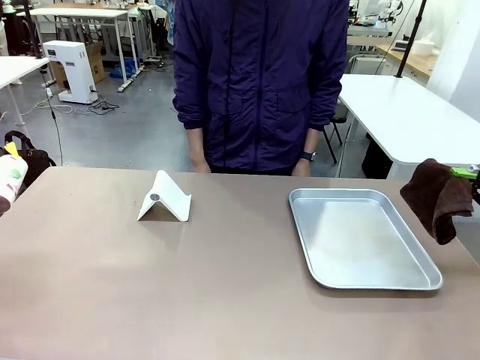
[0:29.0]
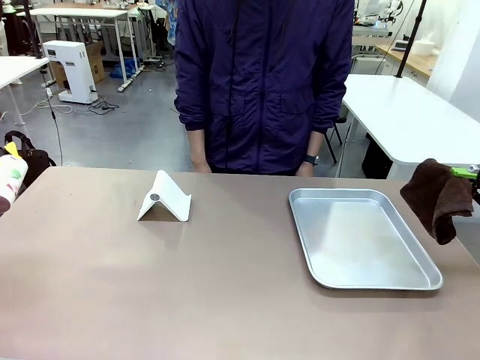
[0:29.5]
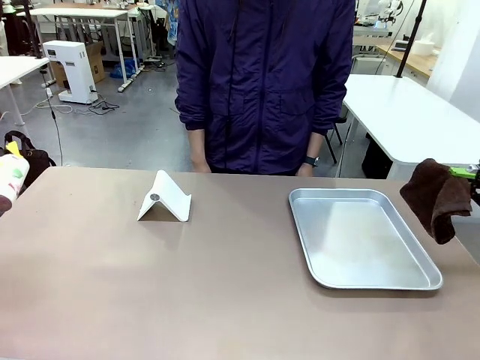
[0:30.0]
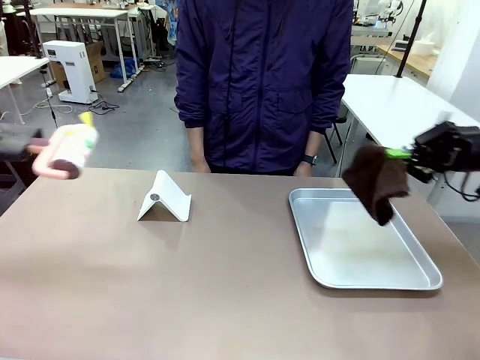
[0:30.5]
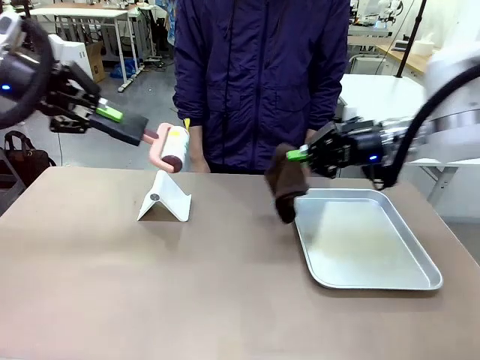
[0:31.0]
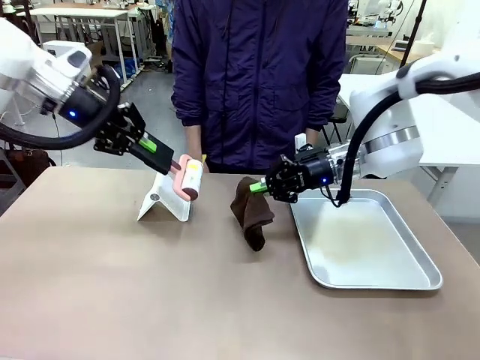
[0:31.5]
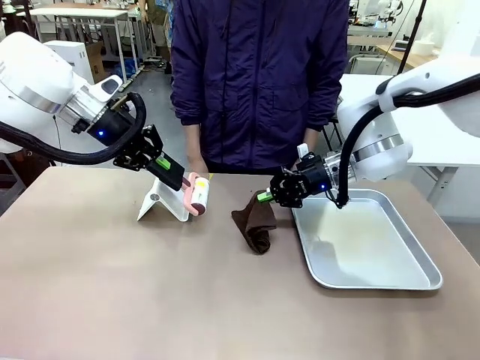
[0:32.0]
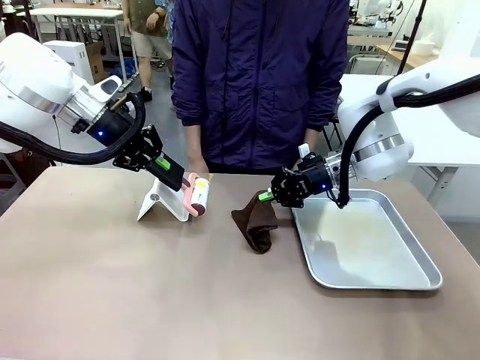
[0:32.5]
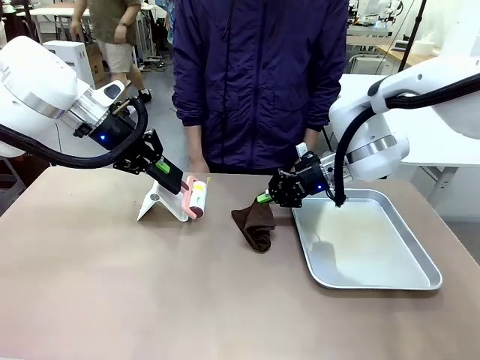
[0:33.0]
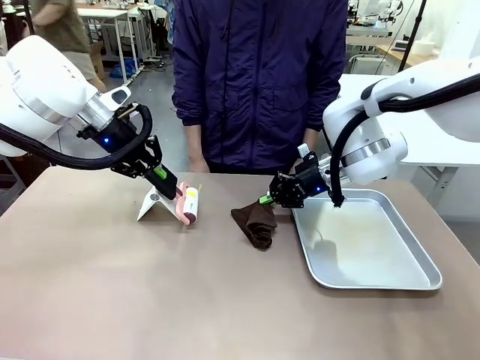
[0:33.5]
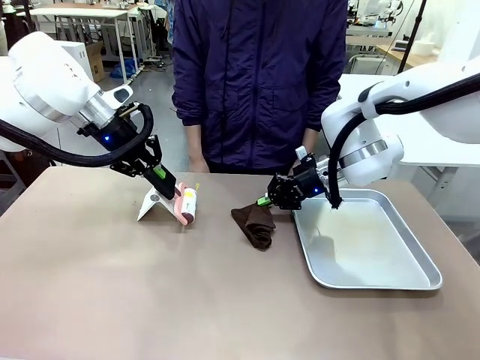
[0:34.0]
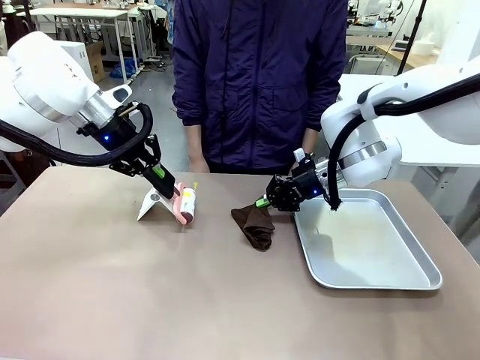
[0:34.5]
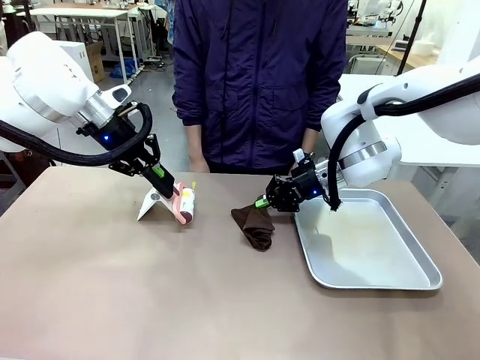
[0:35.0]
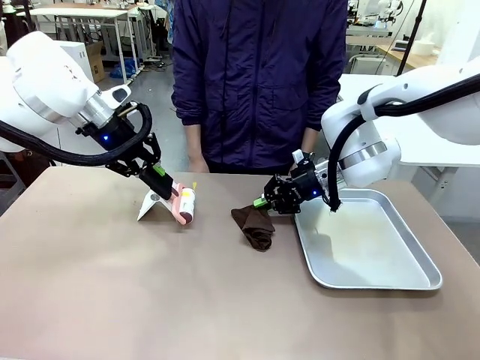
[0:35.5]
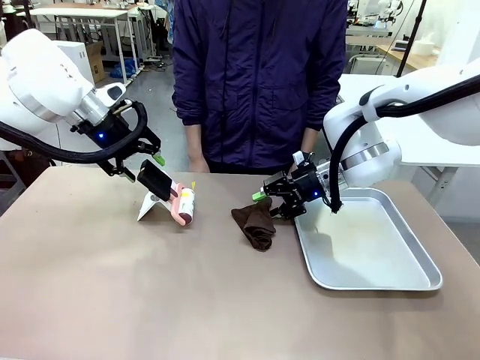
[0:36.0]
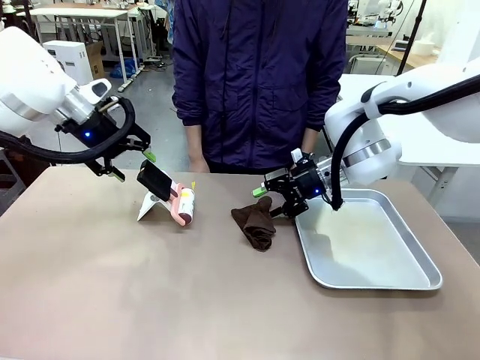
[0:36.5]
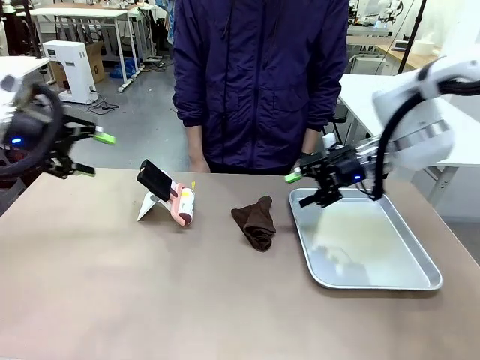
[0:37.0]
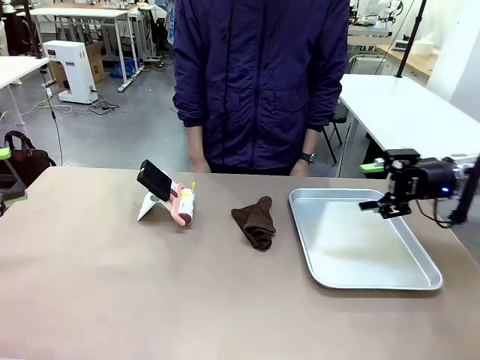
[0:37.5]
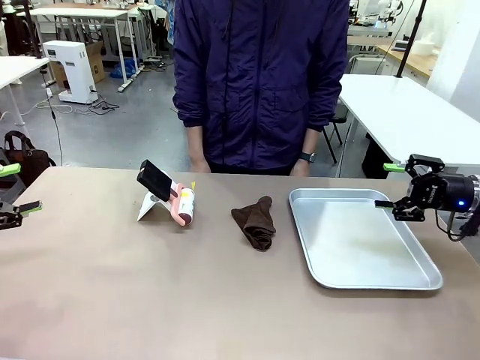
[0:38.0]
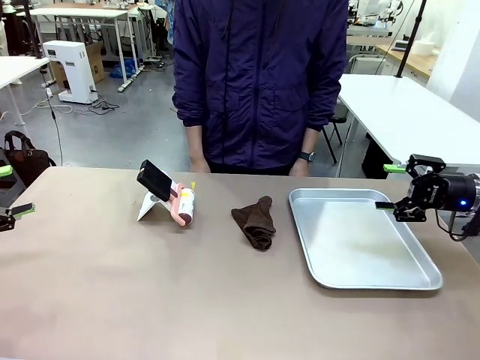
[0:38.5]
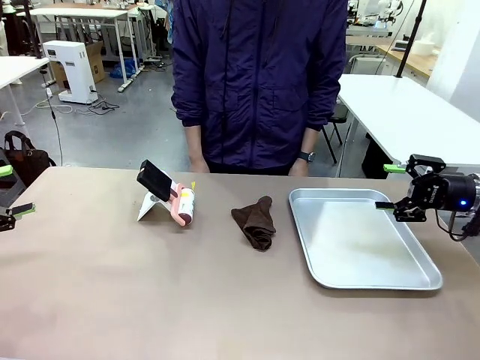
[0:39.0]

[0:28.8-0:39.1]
Task: Clean the surface of the table.
Robot: Return the Lint Roller and towel to their original positions.

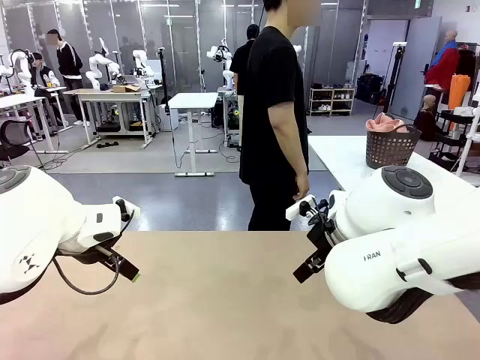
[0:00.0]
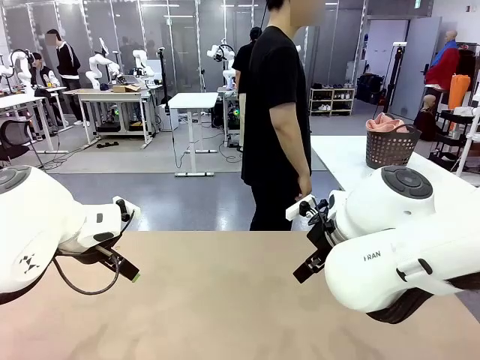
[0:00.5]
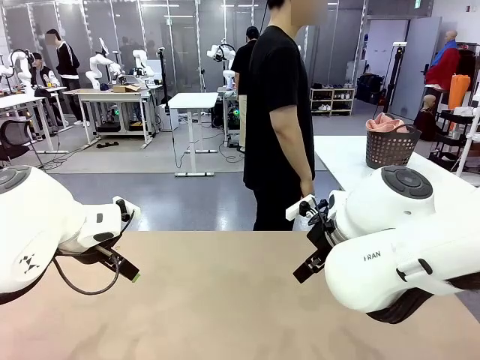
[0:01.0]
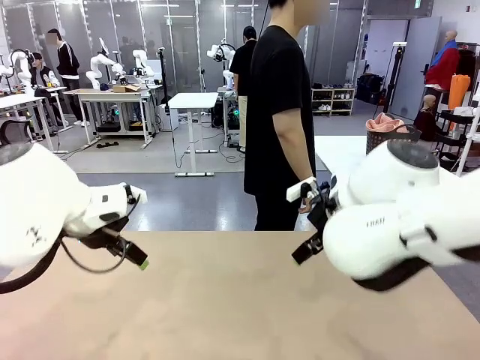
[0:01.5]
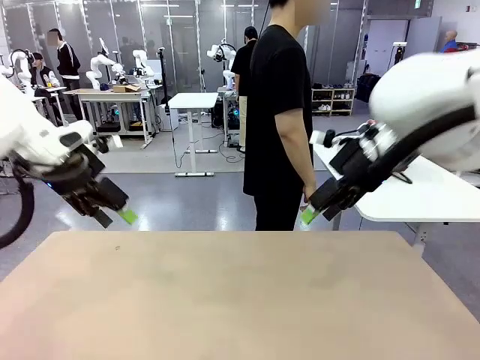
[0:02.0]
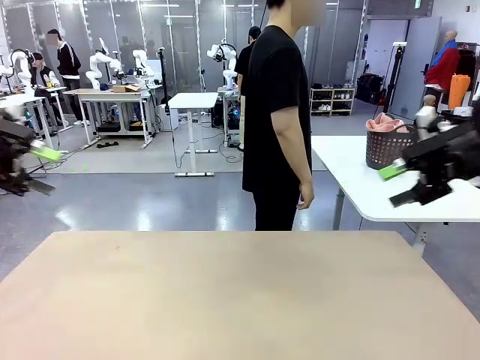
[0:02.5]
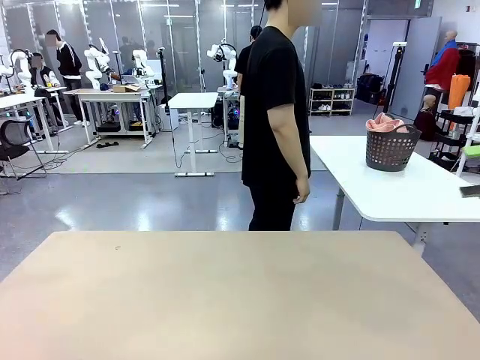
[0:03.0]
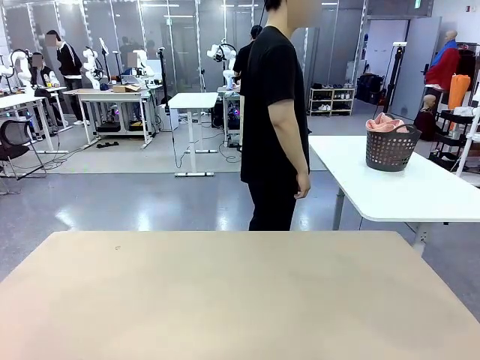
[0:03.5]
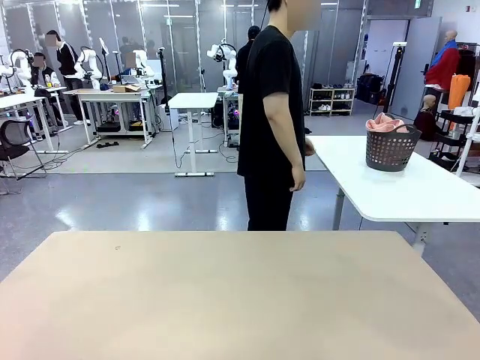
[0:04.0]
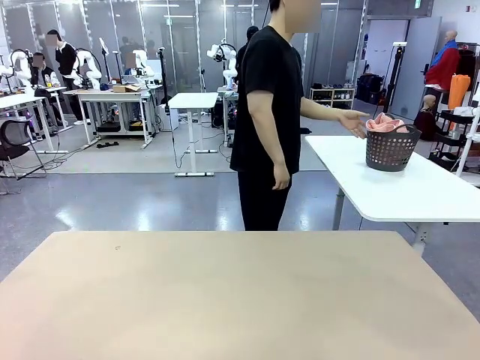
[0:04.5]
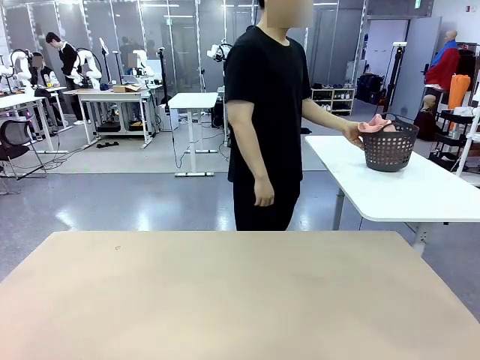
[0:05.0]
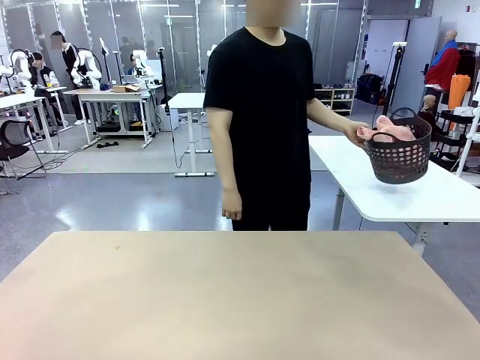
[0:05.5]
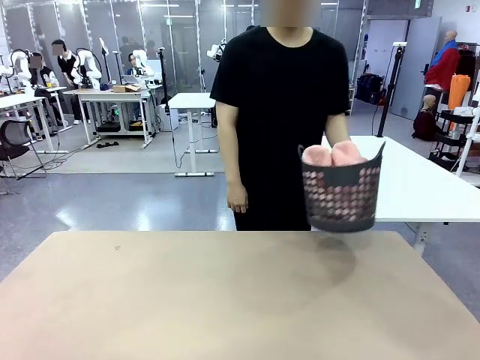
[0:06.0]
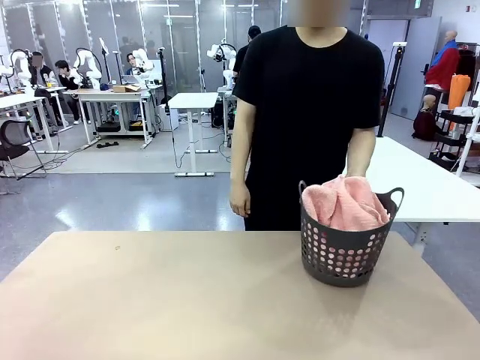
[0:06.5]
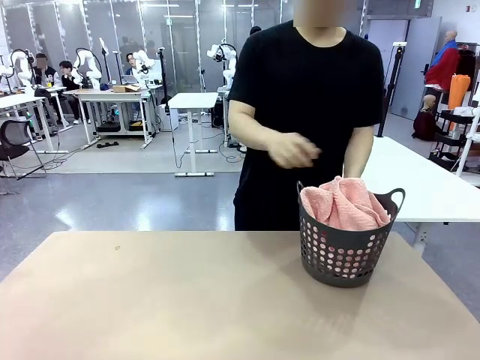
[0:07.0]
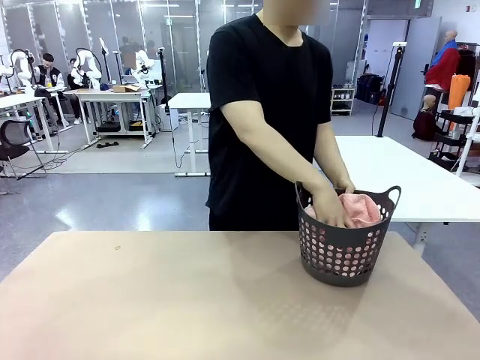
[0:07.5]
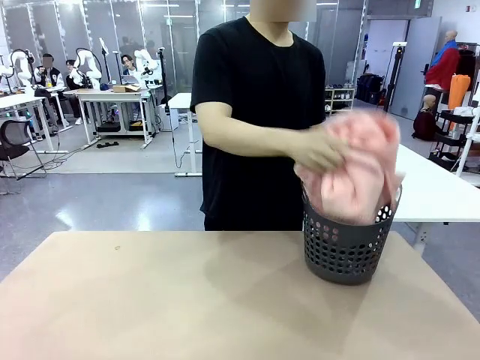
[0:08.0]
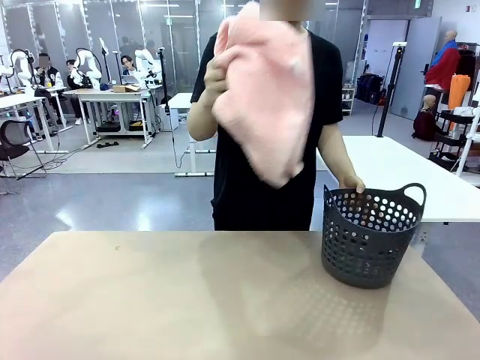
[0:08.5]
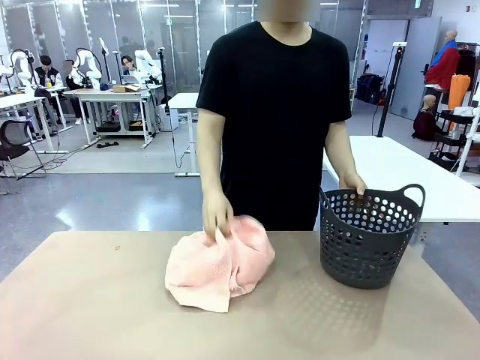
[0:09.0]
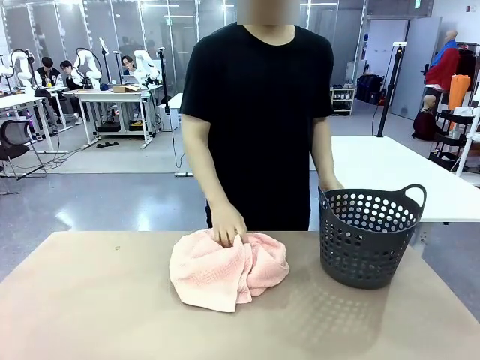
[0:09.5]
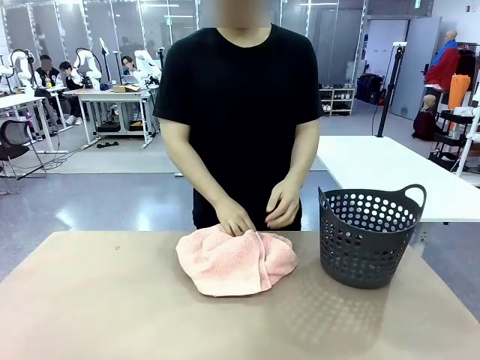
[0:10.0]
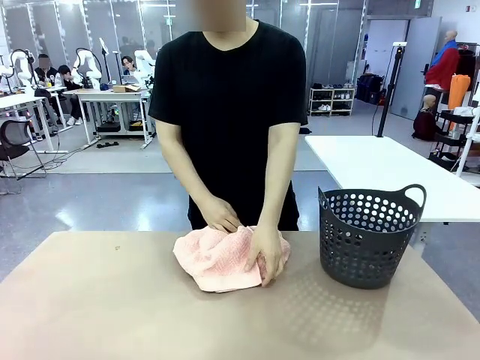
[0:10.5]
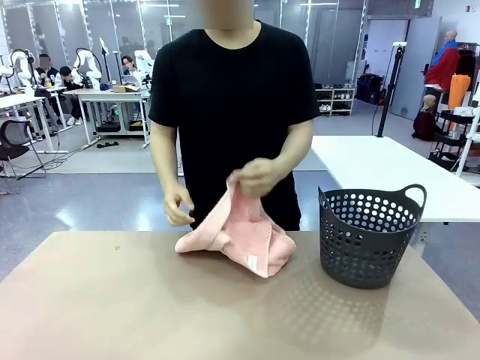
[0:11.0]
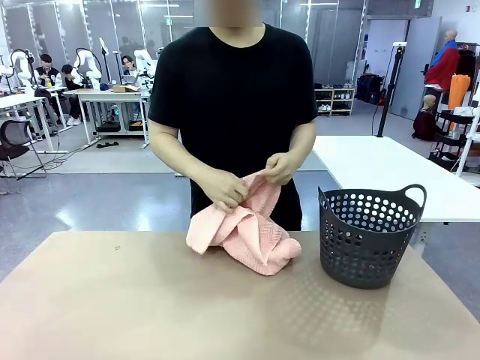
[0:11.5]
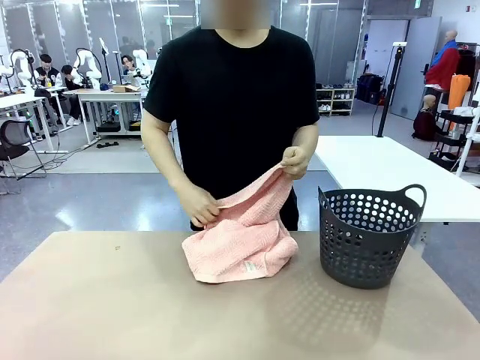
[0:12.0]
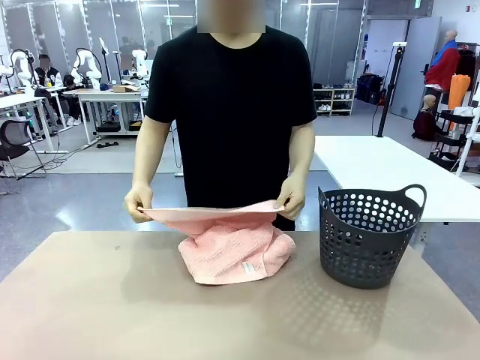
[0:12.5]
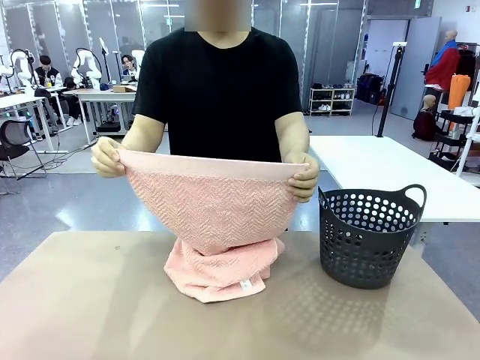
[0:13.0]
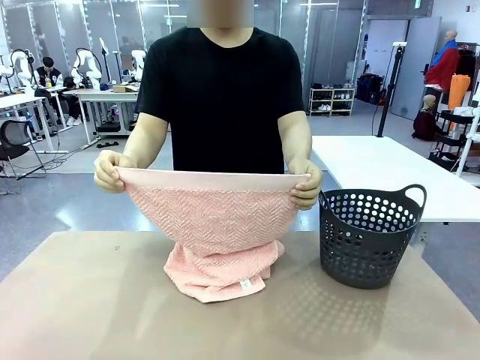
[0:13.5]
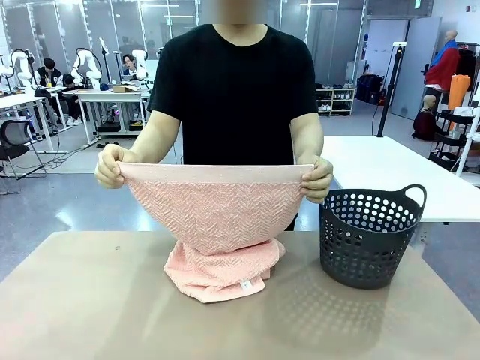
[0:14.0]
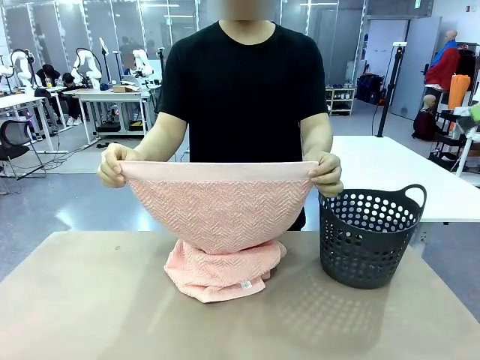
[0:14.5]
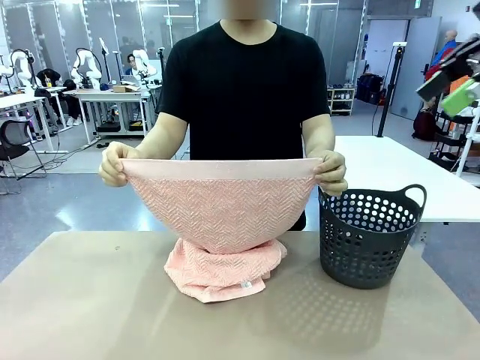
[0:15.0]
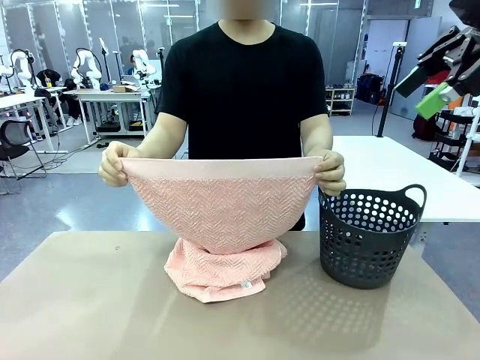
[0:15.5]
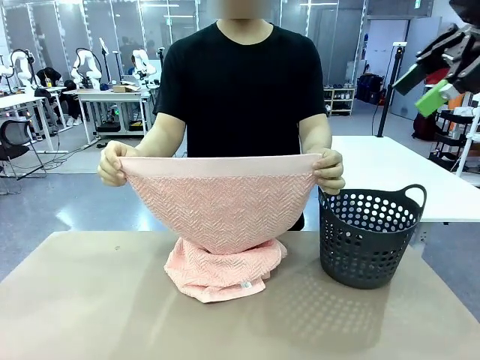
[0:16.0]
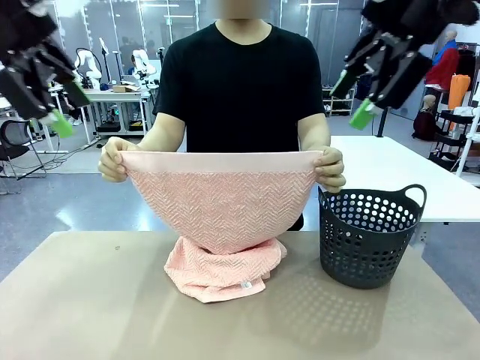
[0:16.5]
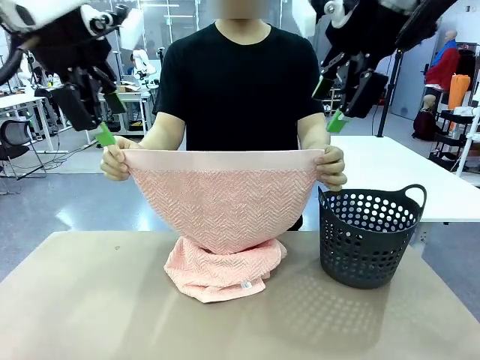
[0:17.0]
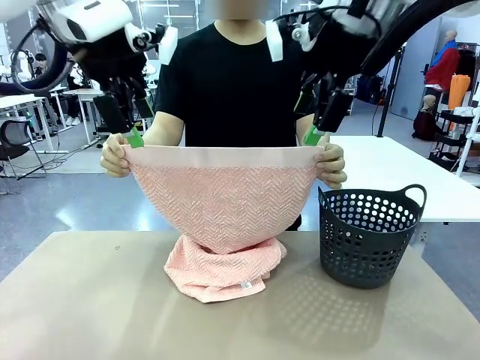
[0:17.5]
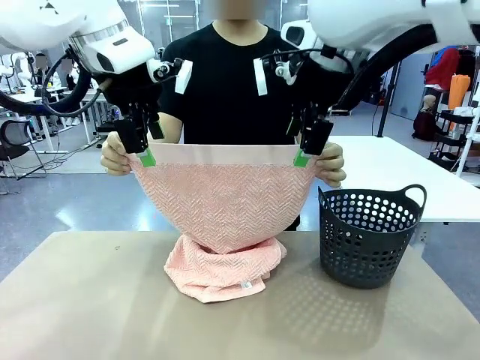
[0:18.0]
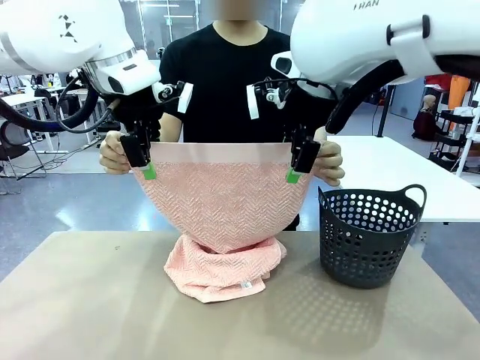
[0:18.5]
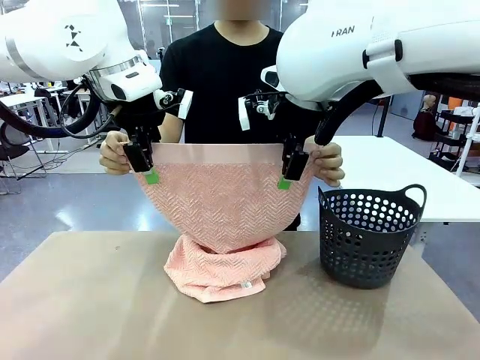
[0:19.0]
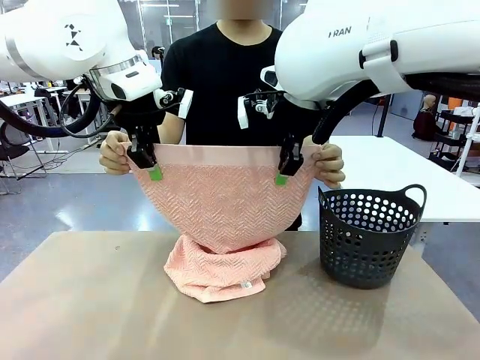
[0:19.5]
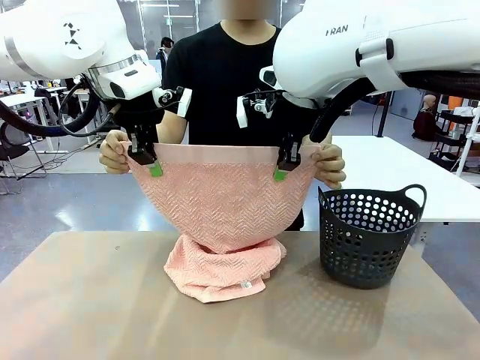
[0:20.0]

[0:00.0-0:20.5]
Task: Fold the towel.
Robot: Grab the top end of the 100 cm Hotel Towel extended by the human.
Person: Pick up the laundry basket, place it on the left side of the robot table, then take out a towel and hand it to the robot while holding both corners of one end.
